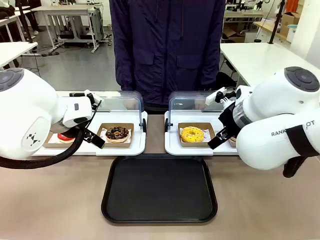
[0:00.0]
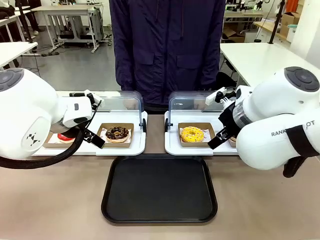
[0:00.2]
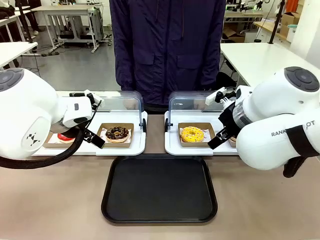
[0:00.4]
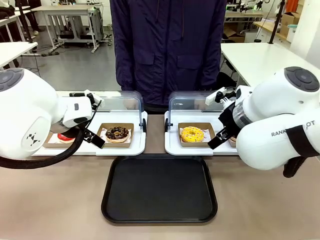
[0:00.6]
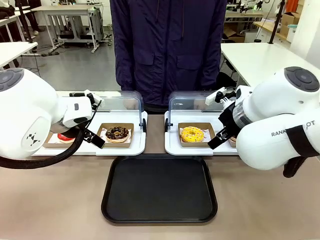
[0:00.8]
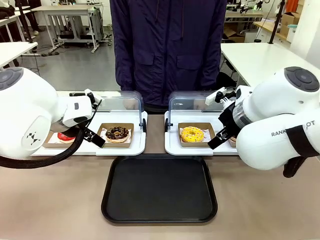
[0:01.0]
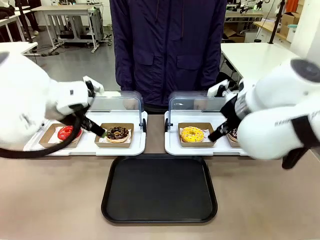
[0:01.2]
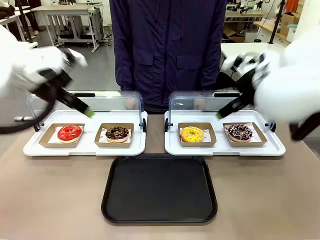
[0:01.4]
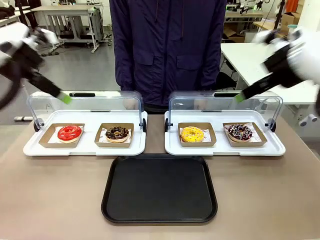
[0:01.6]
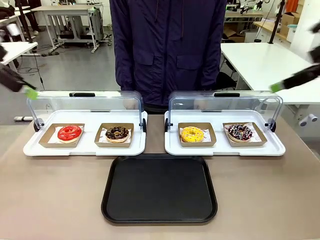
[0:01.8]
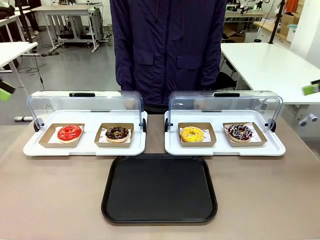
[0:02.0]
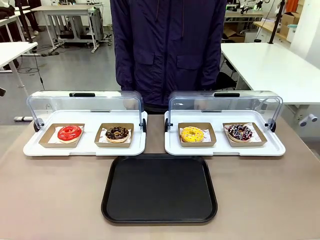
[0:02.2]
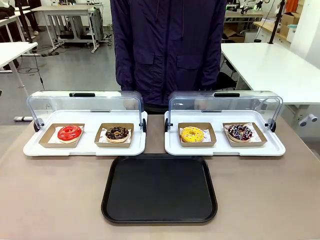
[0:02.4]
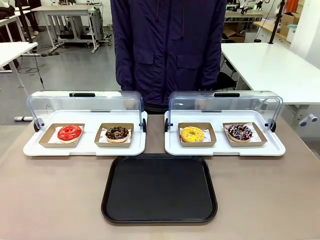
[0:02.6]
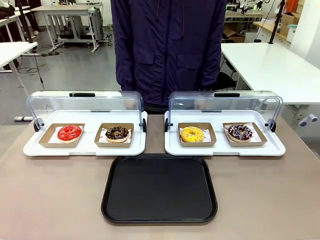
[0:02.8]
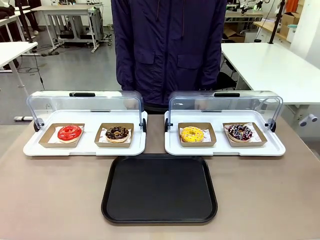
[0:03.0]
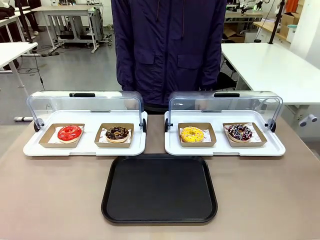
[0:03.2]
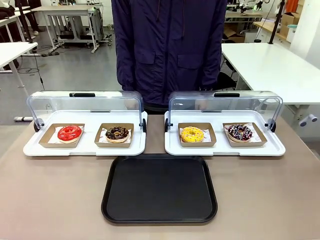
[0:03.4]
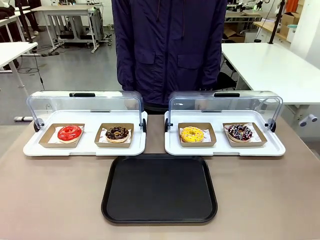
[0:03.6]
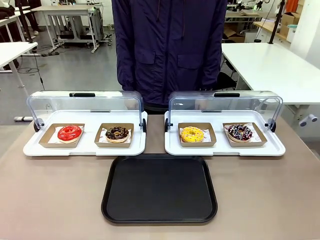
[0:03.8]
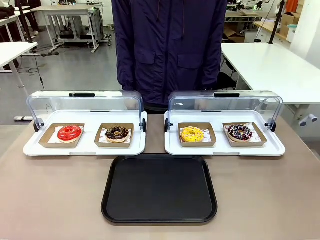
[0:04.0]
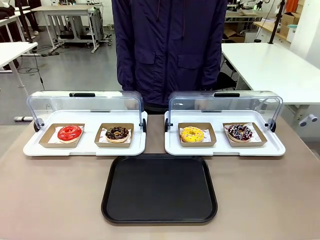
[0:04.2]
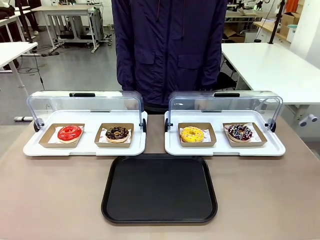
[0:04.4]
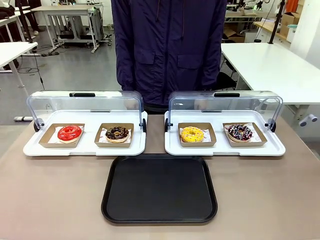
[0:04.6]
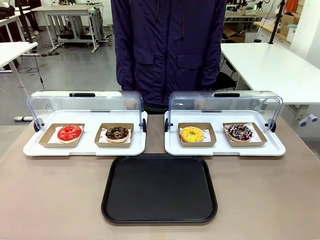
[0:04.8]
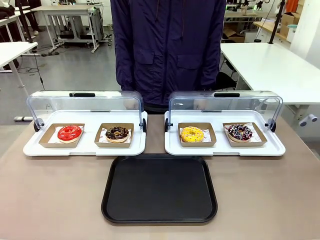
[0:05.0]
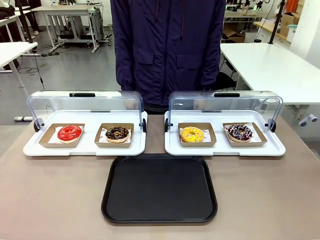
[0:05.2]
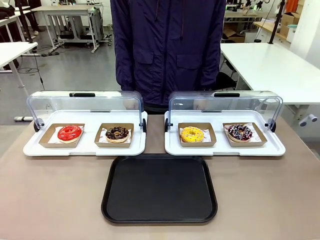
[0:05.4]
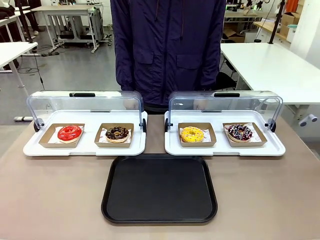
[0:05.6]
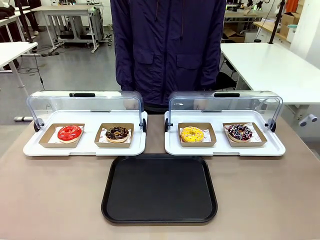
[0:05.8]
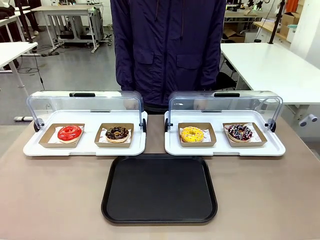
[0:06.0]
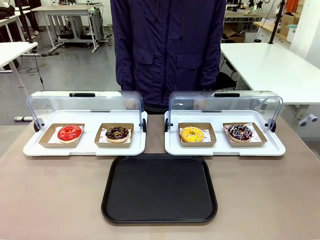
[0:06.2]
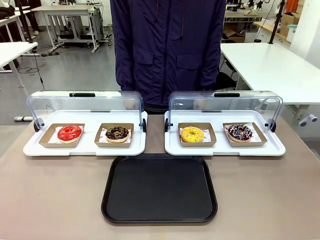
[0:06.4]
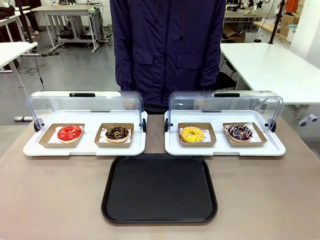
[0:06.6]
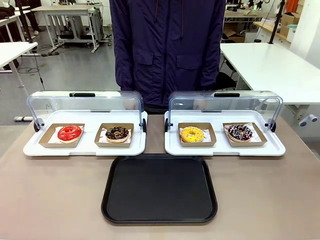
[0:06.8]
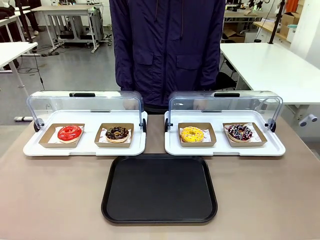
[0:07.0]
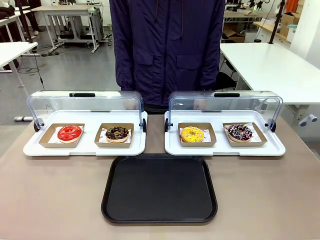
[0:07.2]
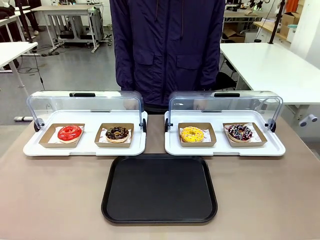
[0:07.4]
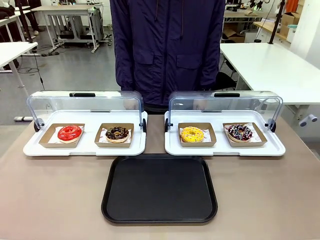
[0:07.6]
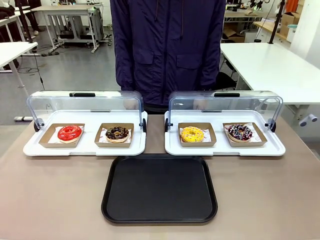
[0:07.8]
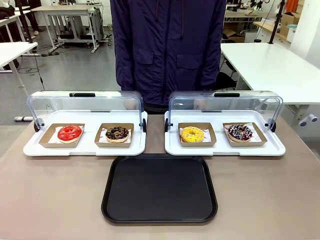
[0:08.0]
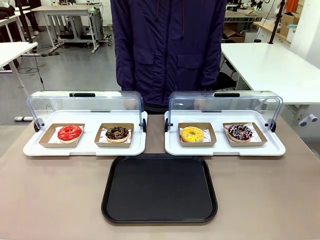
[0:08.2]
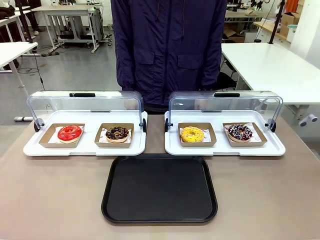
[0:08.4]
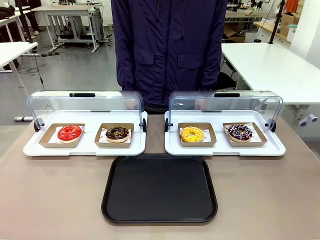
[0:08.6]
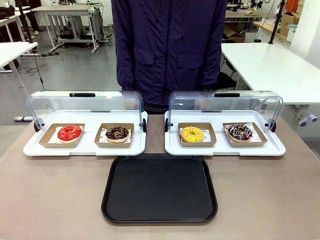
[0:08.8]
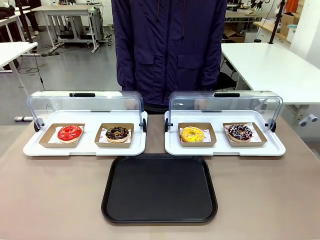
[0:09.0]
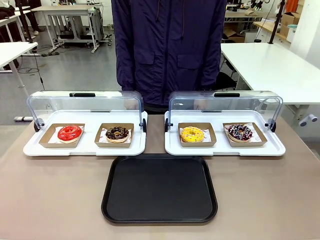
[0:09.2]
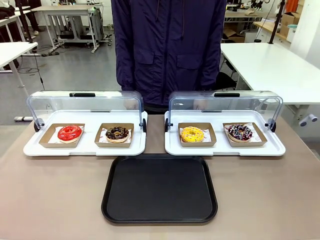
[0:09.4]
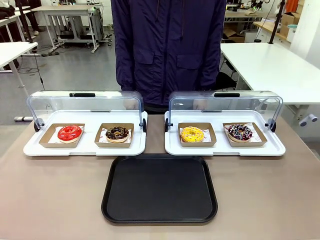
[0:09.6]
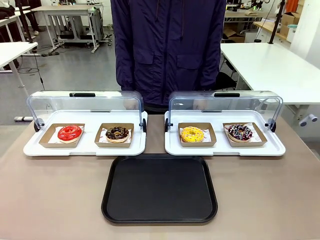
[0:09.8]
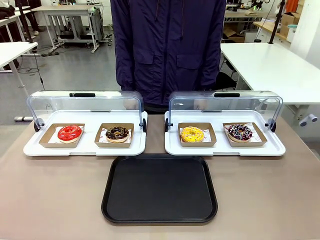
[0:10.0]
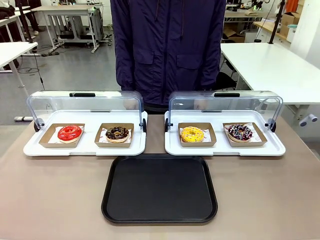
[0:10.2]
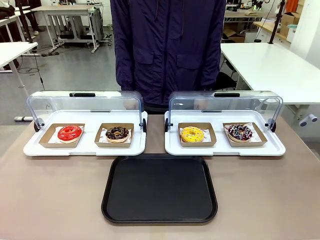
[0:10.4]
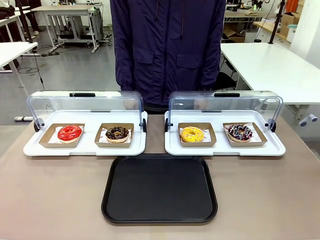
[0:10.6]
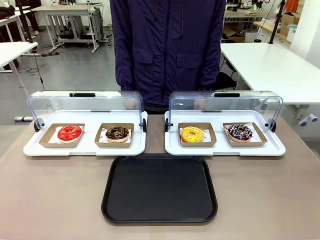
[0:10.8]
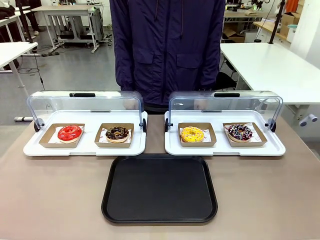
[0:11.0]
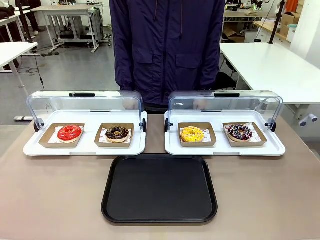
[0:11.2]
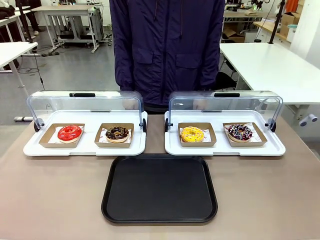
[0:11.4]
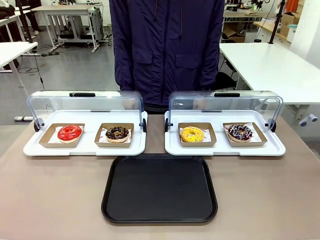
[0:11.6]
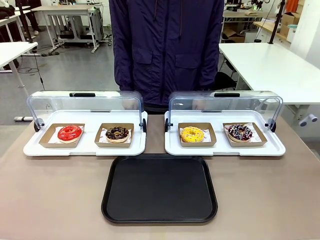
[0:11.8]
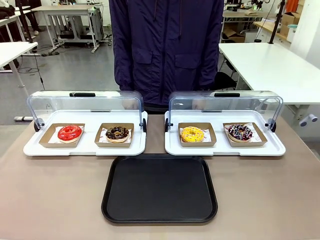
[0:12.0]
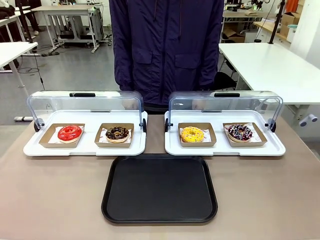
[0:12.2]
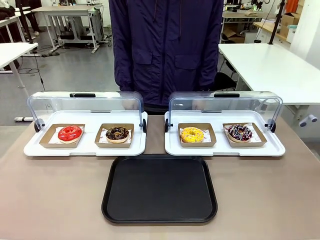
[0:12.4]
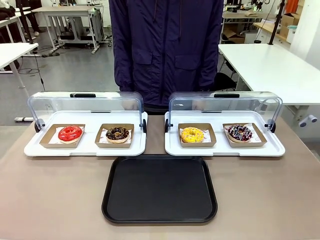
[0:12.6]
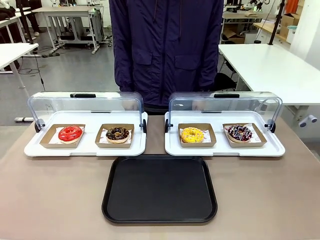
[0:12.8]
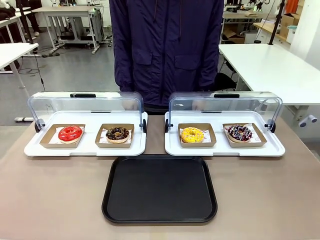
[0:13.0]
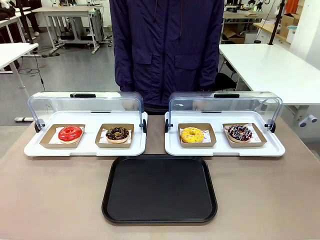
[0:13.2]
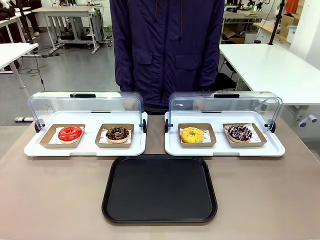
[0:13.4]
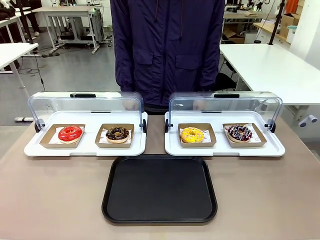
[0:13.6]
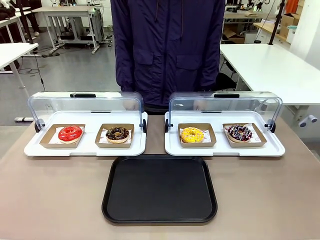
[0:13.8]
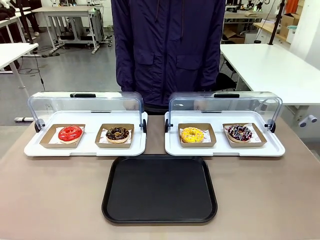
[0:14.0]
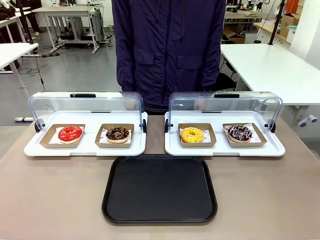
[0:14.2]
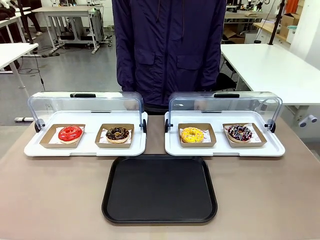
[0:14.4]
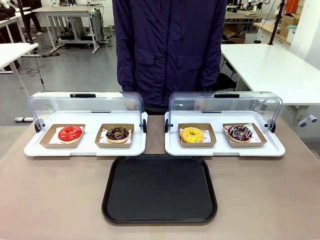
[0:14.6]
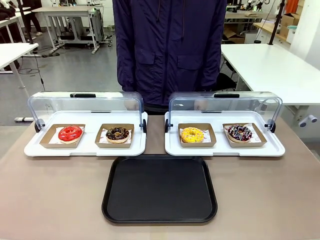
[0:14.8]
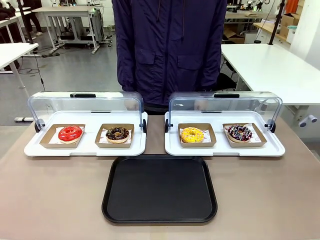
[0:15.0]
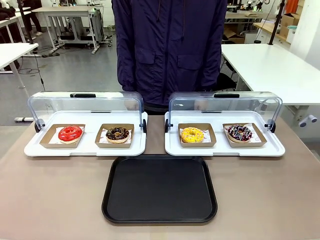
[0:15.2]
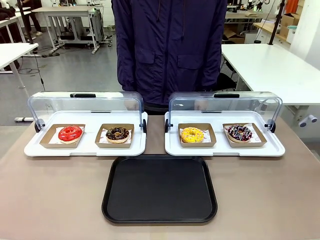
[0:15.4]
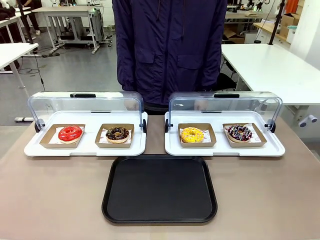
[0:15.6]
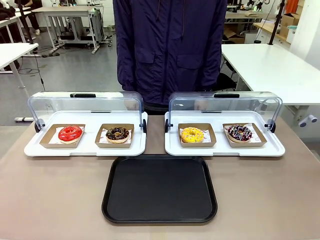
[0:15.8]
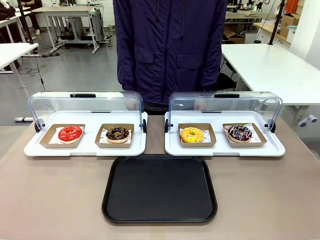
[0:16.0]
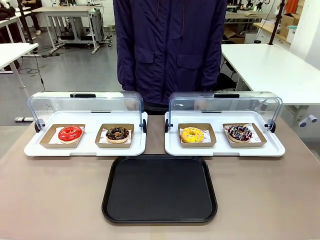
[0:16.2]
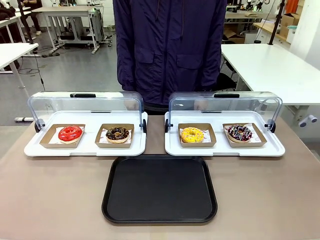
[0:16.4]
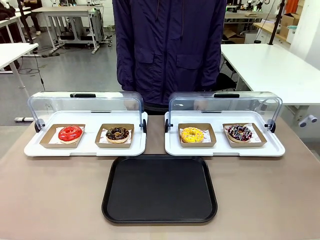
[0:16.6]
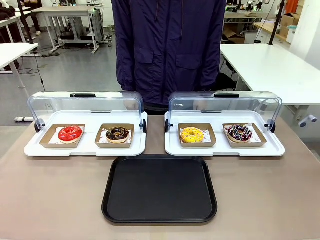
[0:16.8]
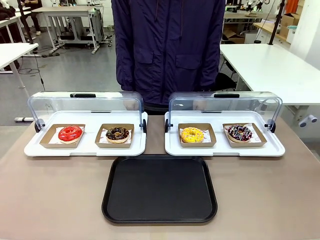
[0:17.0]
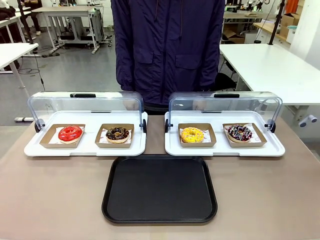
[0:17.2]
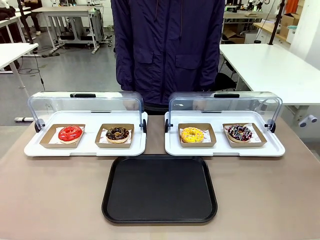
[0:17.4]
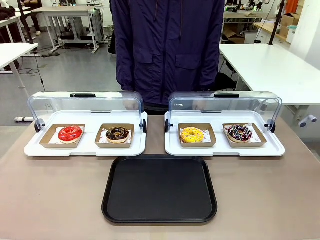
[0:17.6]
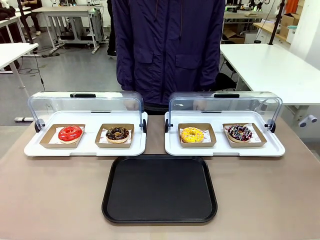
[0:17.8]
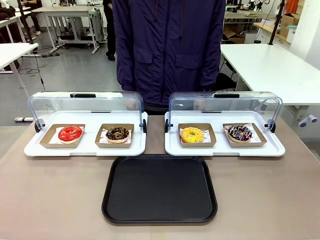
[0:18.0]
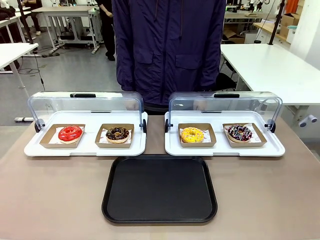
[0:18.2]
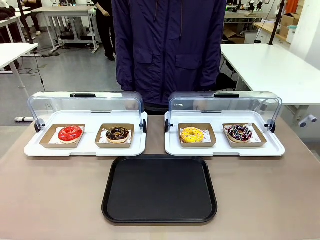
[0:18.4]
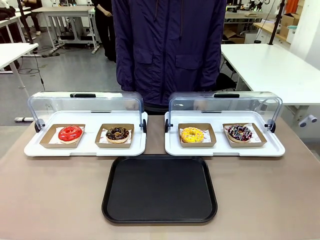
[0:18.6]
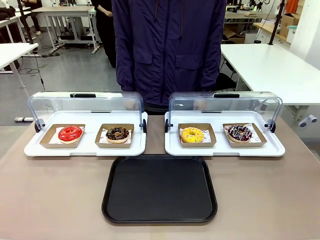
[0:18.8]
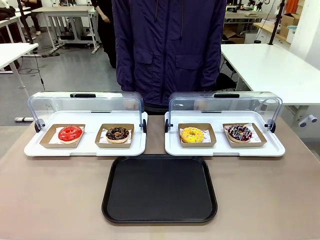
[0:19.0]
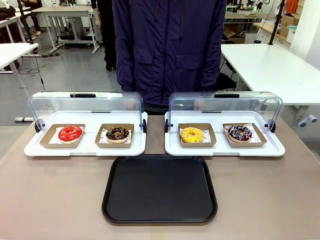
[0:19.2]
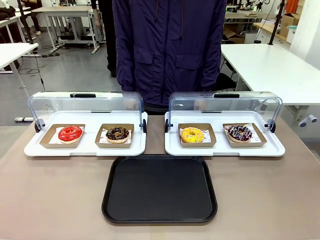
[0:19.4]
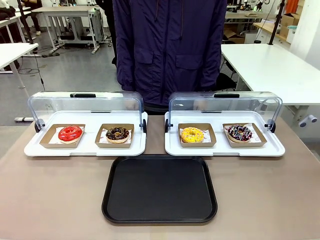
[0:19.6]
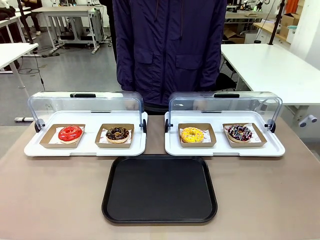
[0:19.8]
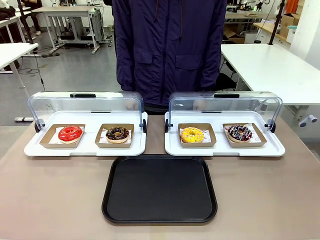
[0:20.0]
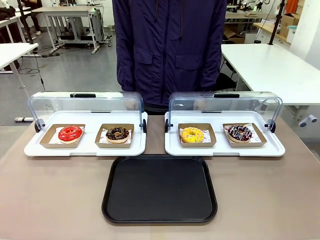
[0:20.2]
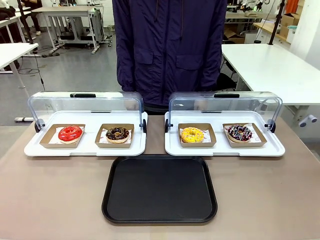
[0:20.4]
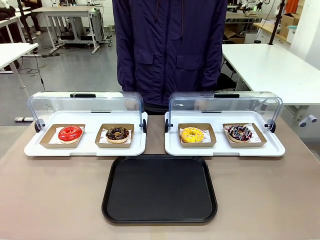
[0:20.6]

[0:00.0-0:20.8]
Task: Move the fourth donut from the left to the tray.
Robot: Pick up the Paper togo box containing the Donut indicated by the person and place it on the Handle tray.
